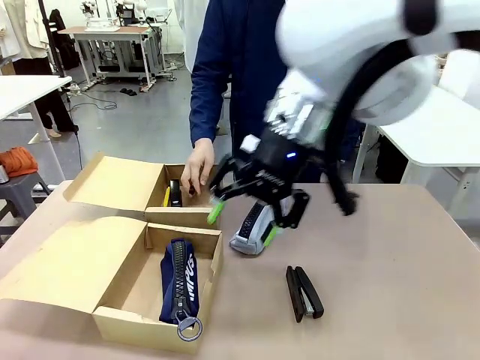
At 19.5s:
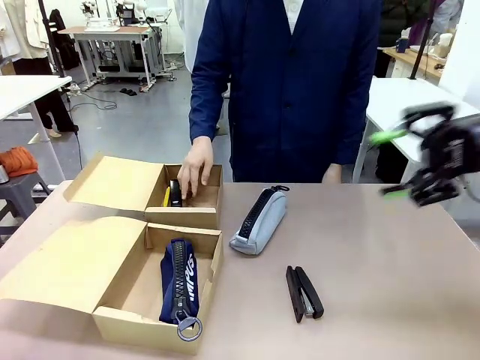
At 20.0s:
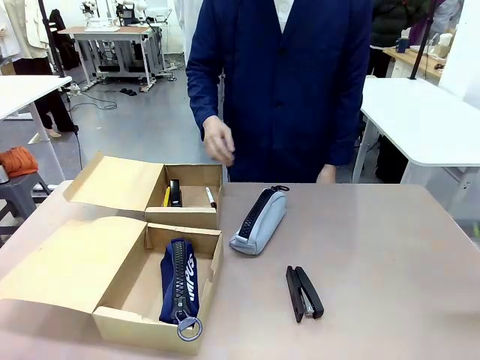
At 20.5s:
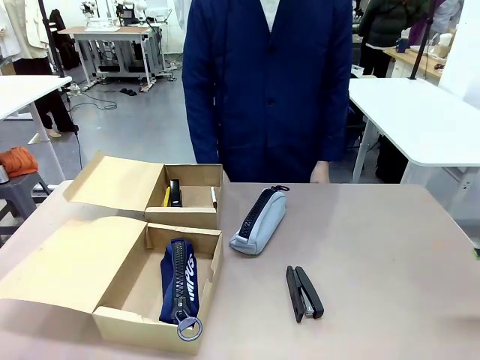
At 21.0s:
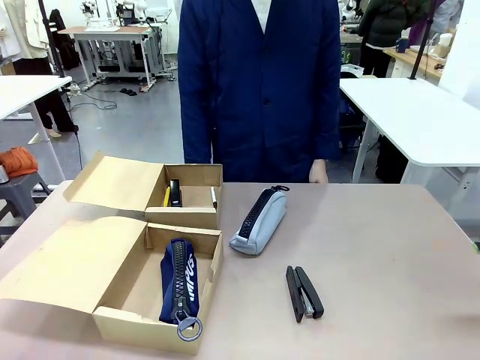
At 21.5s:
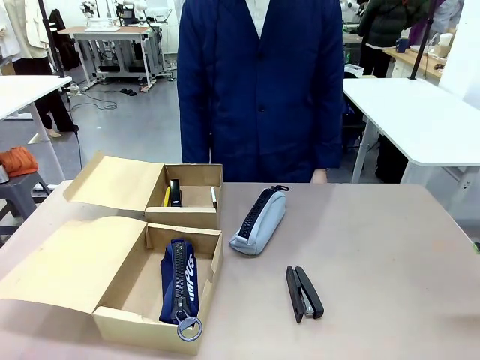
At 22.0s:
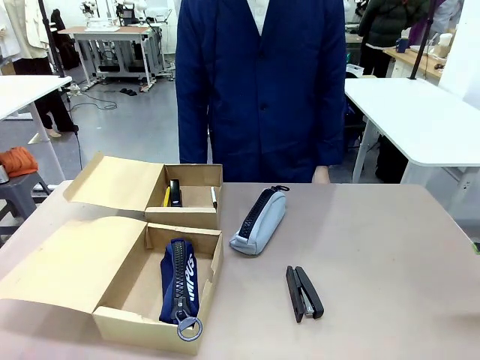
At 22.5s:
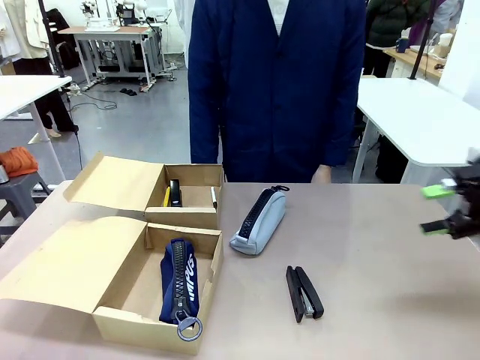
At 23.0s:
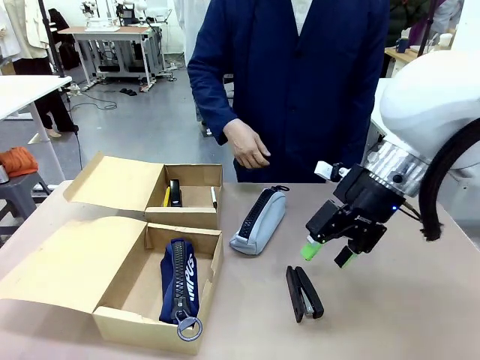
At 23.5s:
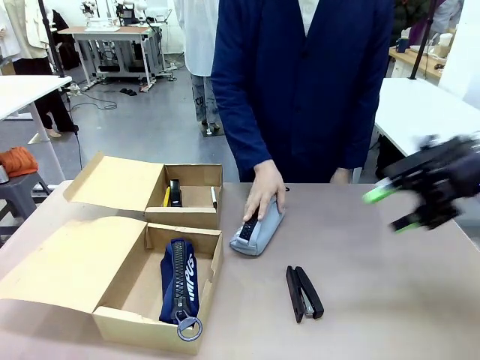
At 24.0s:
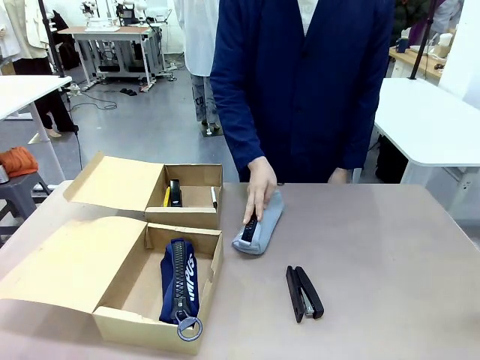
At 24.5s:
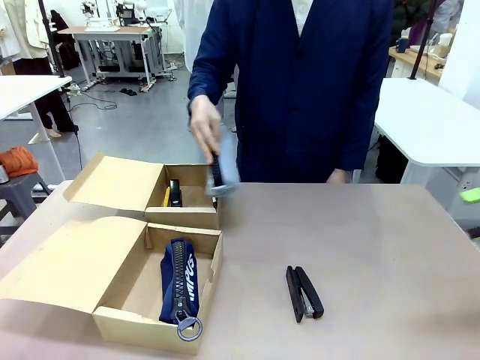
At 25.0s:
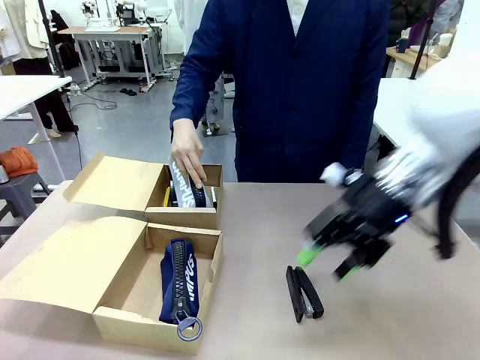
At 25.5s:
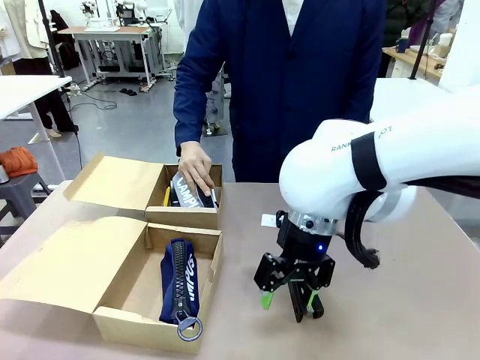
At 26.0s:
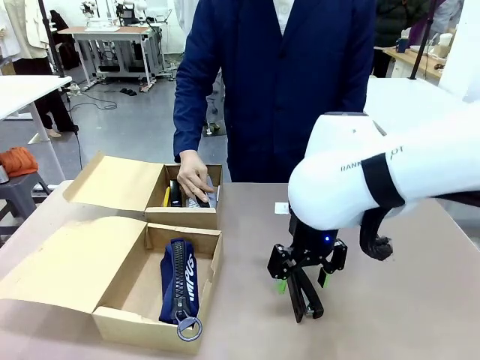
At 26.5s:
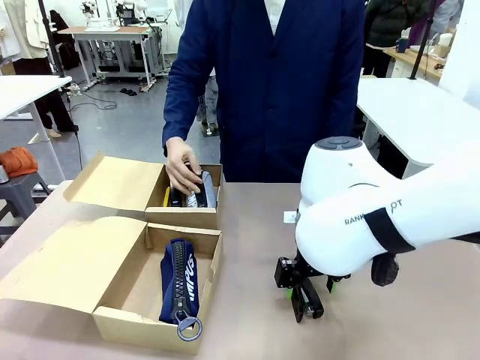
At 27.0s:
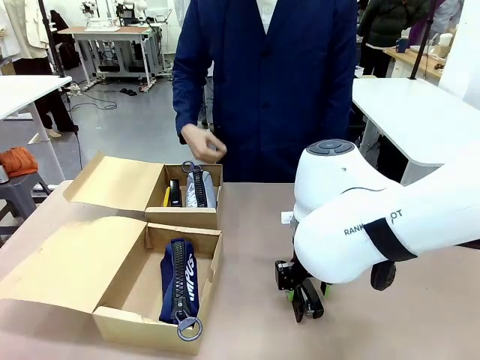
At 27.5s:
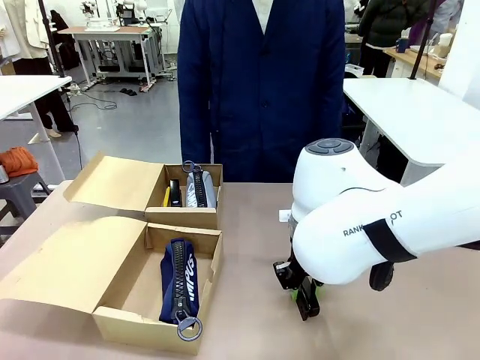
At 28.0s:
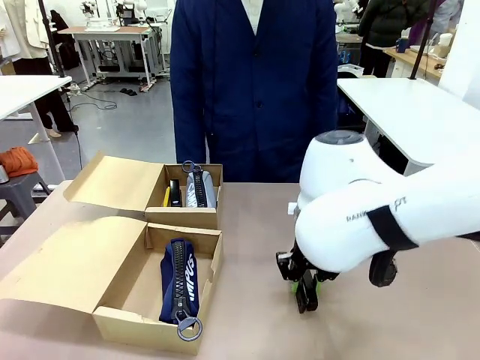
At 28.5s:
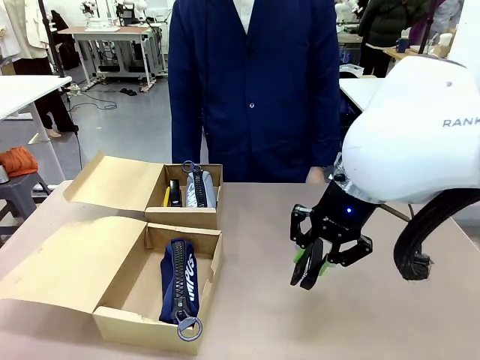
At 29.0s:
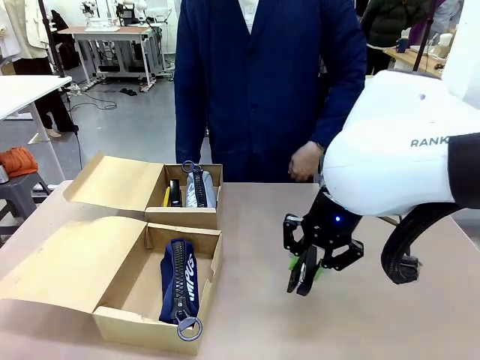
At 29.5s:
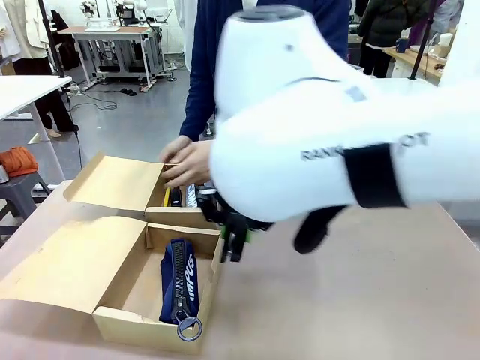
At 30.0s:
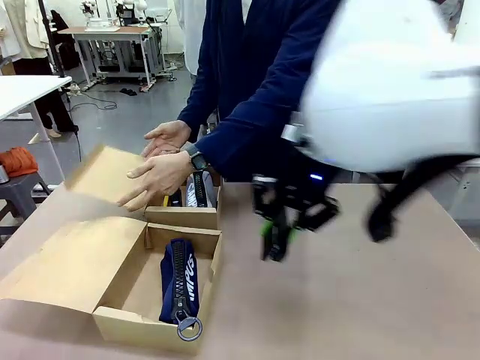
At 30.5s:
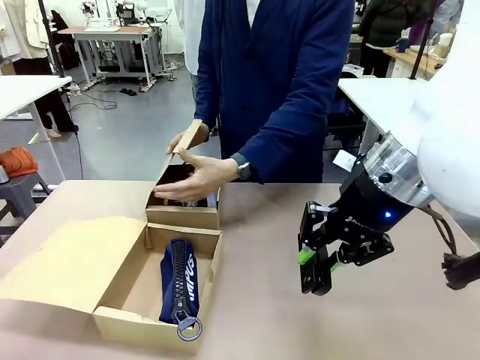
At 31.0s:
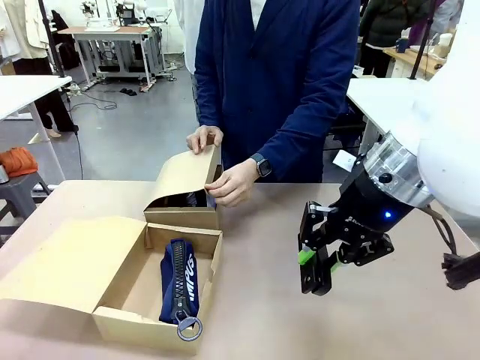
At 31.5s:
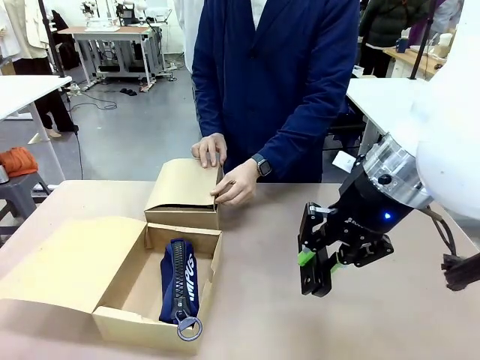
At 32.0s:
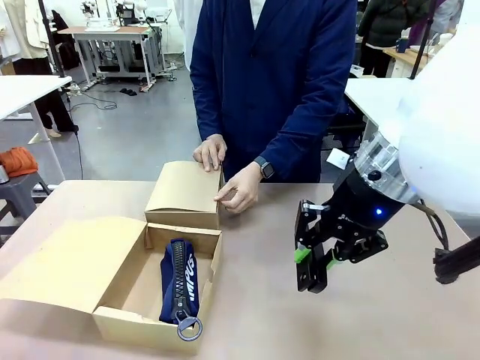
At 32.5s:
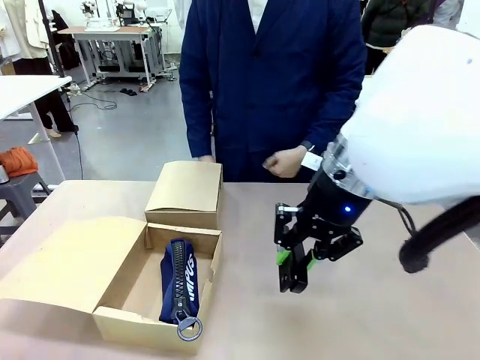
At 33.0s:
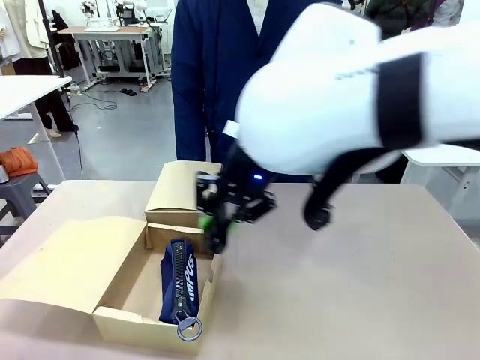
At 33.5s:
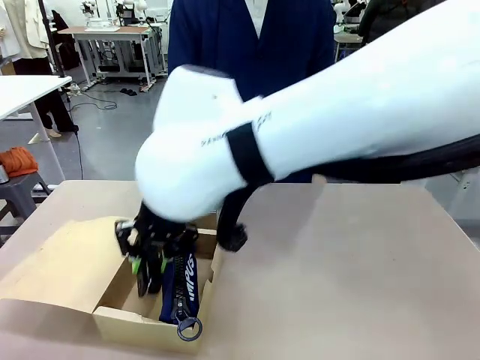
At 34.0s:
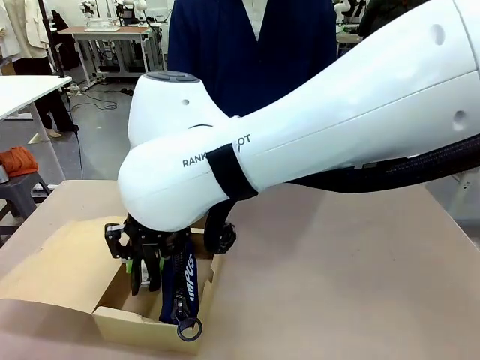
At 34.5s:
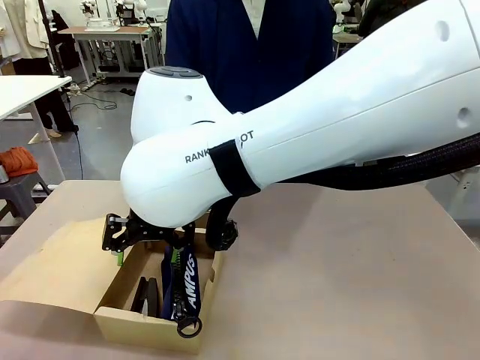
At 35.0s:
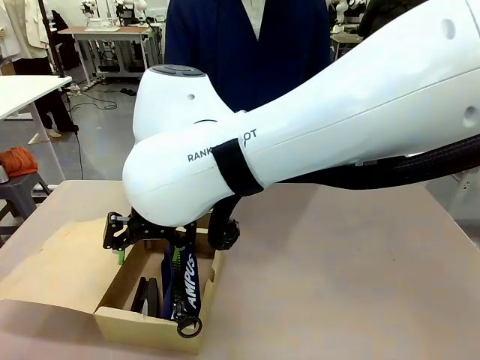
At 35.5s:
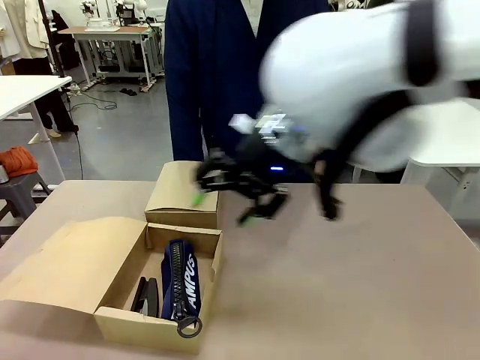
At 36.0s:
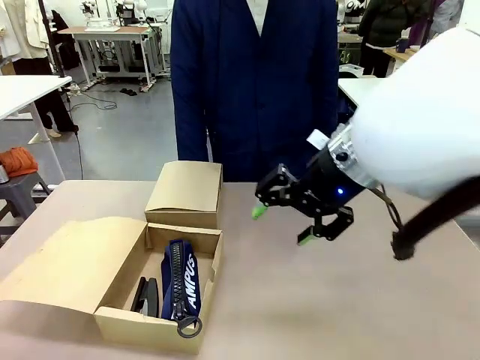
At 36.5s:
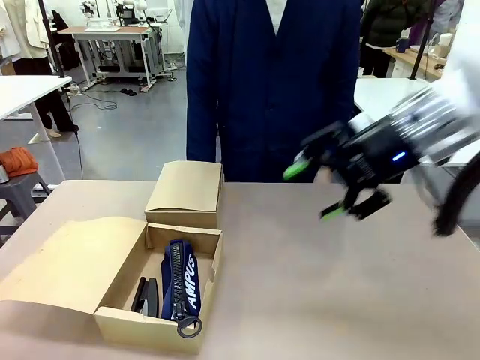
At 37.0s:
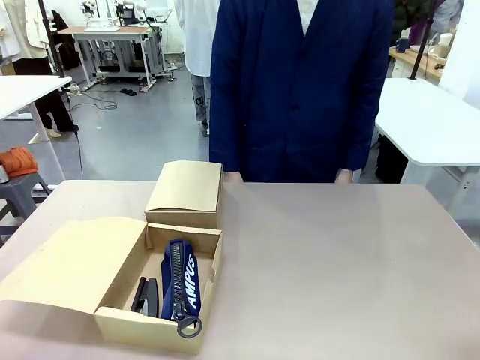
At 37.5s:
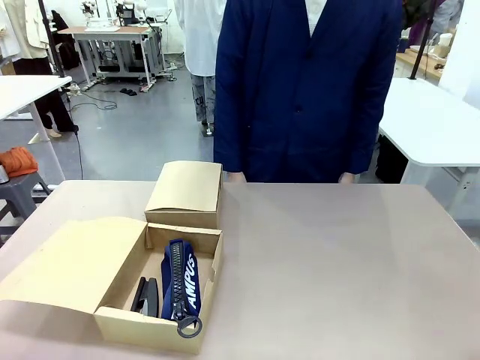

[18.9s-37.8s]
Task: Place items inside the box.
Robot: Pick up a Pencil pouch or Stapler and place it inside the Mailer Box closest to the robot.

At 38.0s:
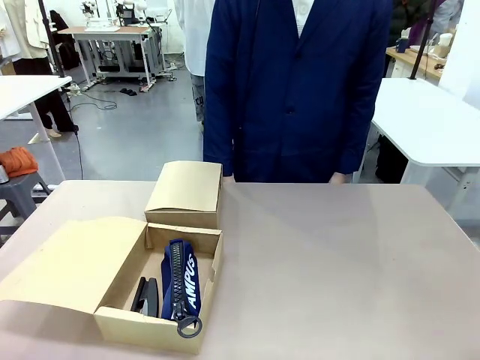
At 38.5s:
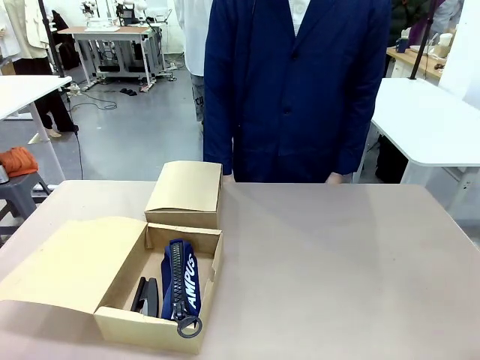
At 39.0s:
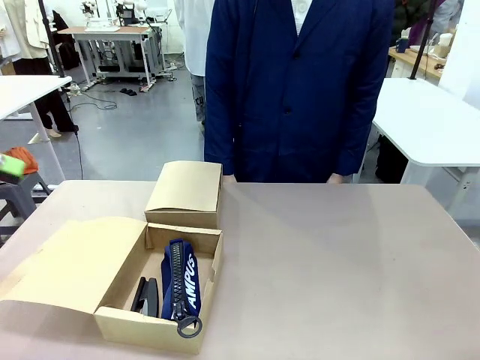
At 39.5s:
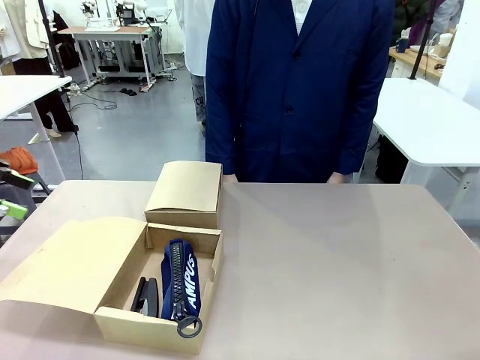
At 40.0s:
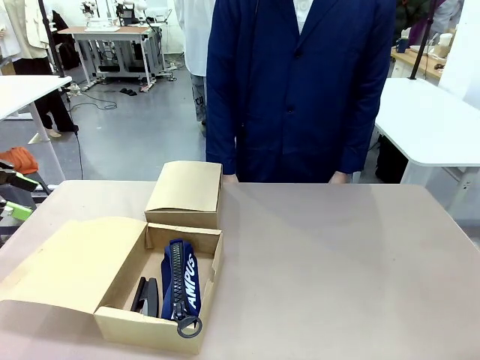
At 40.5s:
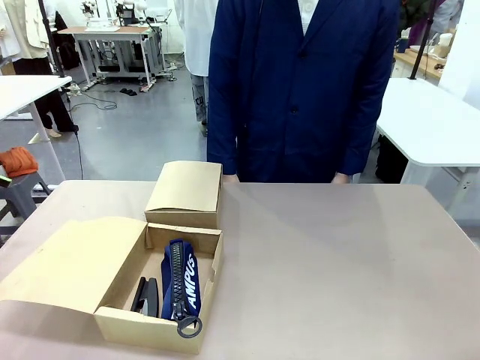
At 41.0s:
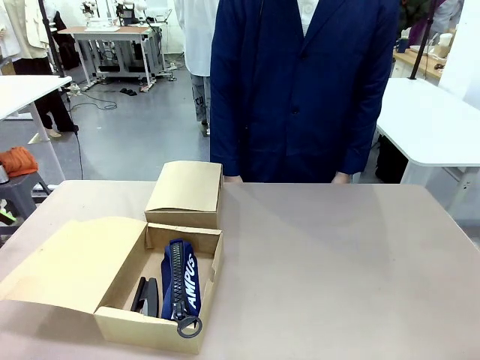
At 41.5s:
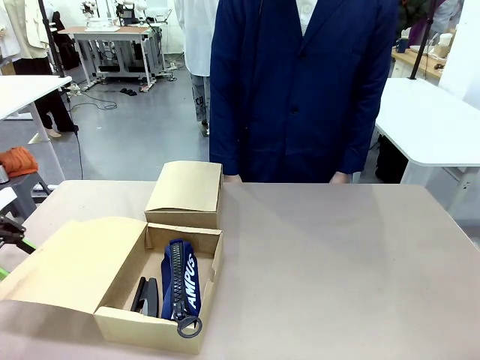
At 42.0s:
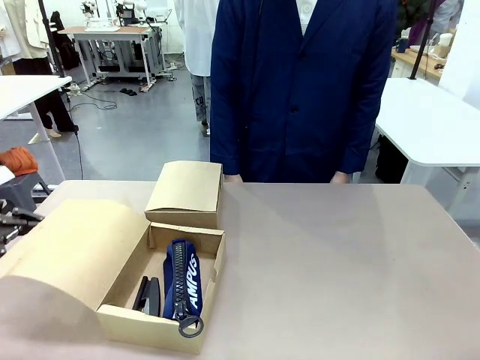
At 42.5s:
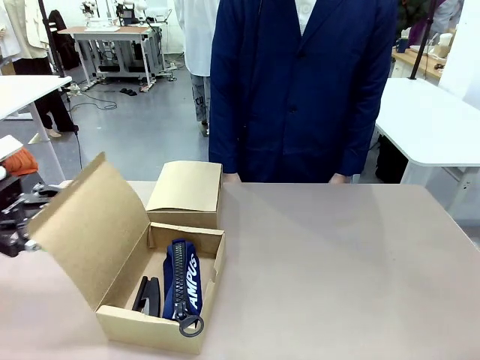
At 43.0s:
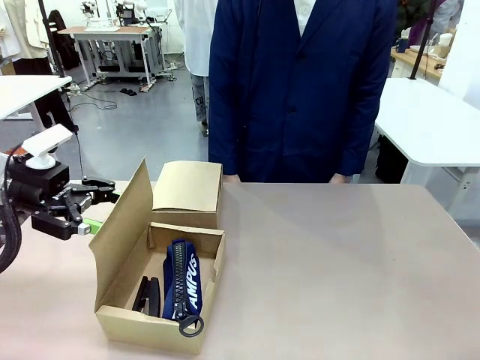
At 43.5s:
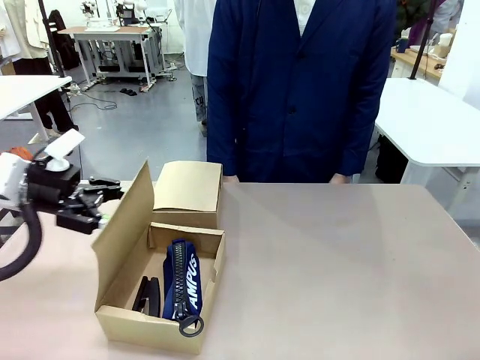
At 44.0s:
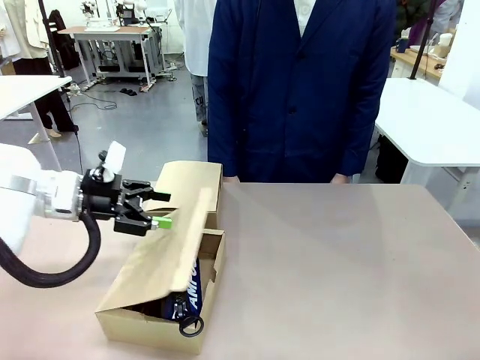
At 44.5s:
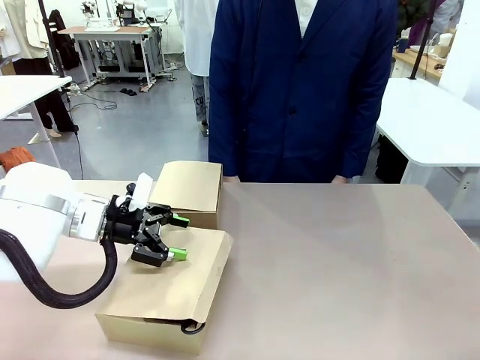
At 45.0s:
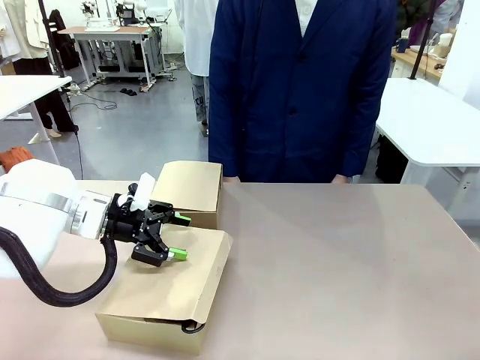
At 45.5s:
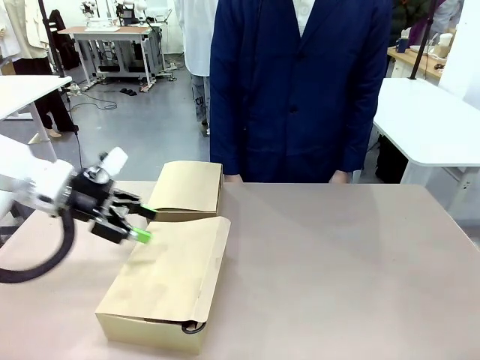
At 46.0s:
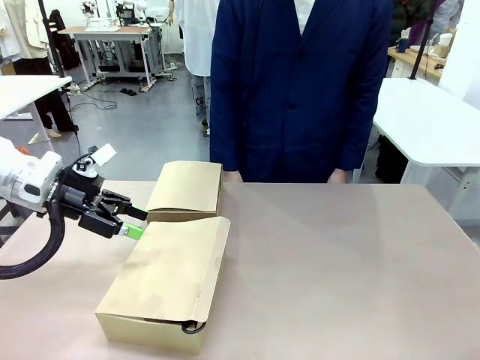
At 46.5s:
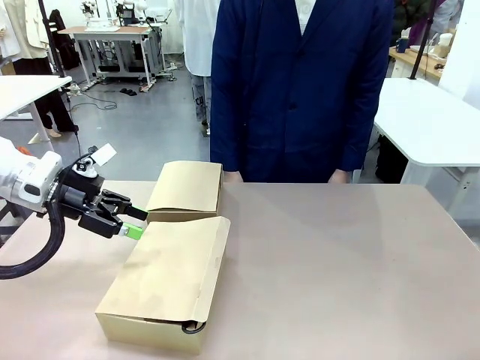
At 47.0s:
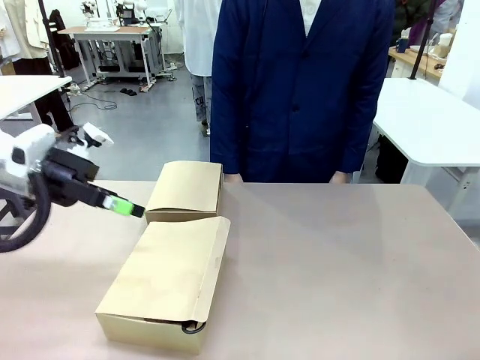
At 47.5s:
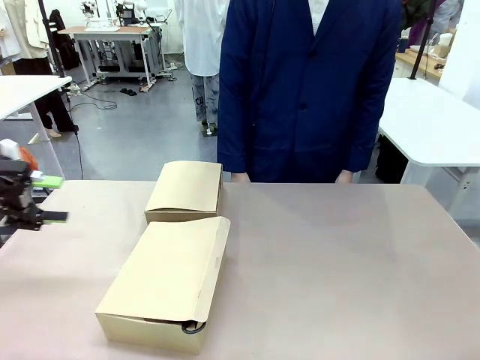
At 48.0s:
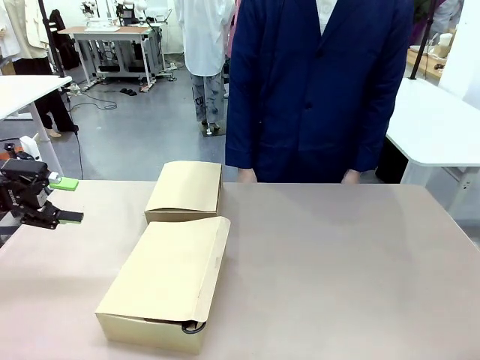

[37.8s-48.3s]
Robot: Close the lid of the Mailer Box closest to the robot.
Person: Close the lid of the box facing the person.
